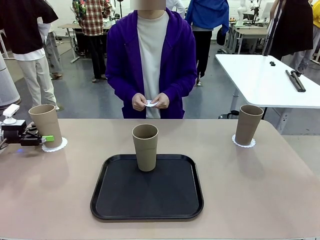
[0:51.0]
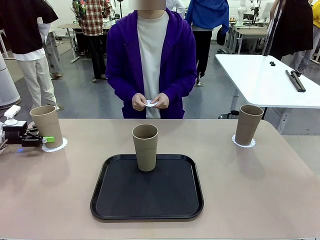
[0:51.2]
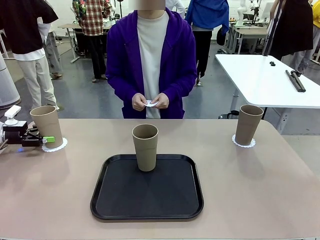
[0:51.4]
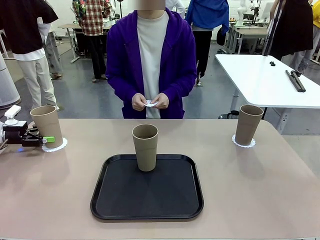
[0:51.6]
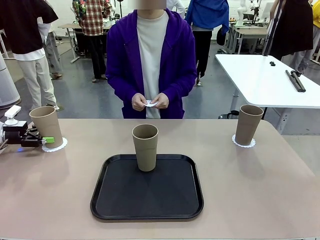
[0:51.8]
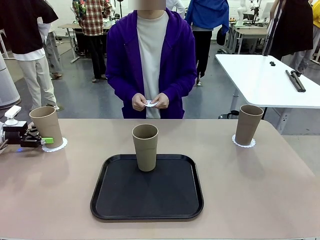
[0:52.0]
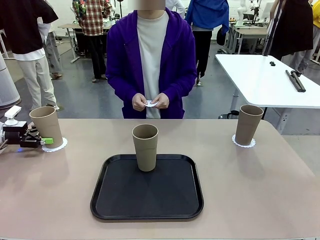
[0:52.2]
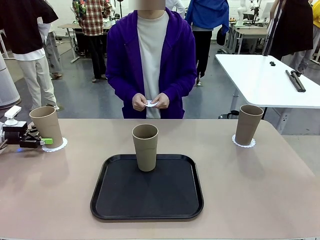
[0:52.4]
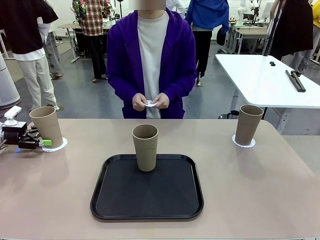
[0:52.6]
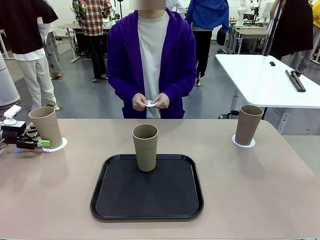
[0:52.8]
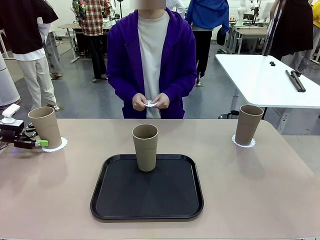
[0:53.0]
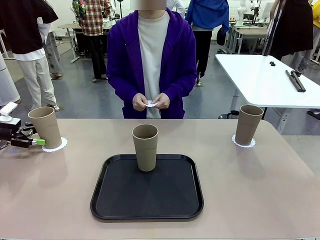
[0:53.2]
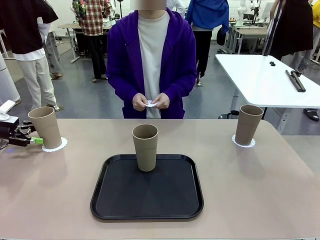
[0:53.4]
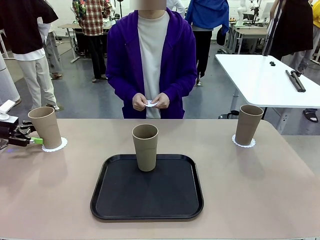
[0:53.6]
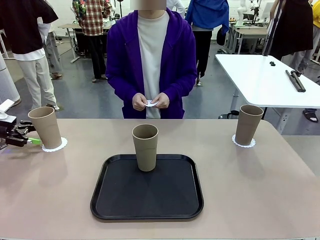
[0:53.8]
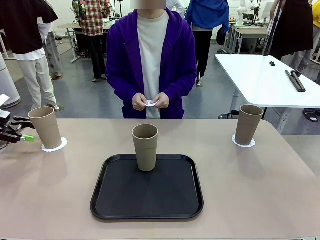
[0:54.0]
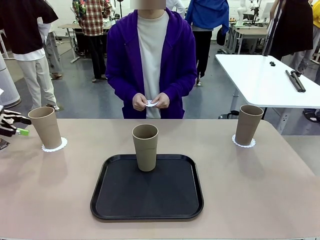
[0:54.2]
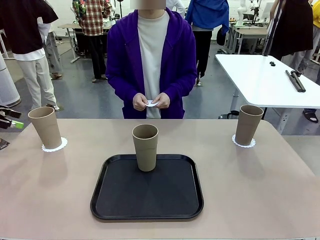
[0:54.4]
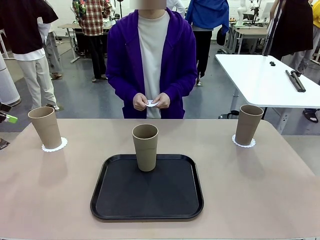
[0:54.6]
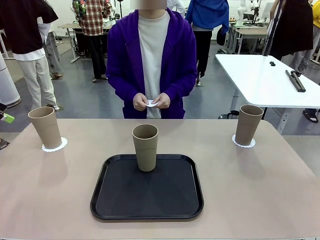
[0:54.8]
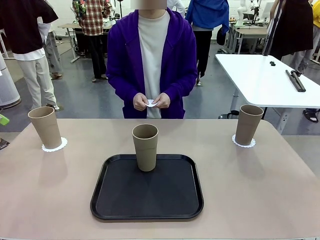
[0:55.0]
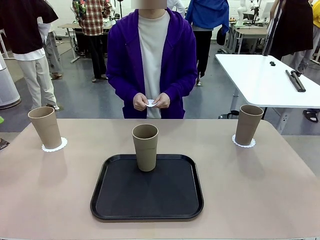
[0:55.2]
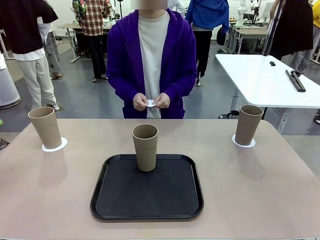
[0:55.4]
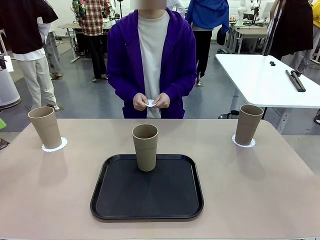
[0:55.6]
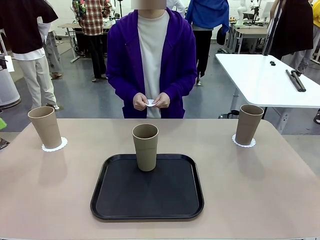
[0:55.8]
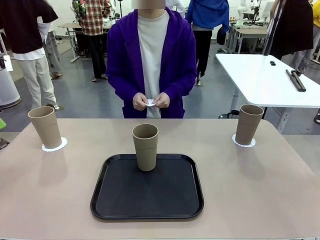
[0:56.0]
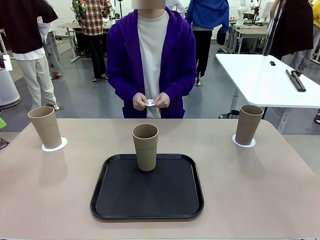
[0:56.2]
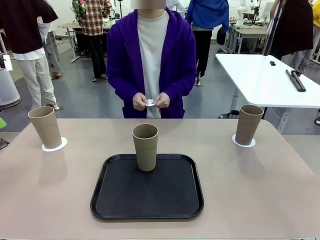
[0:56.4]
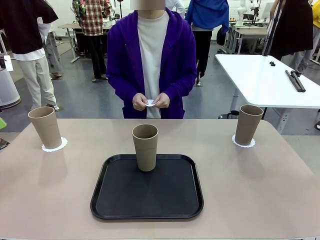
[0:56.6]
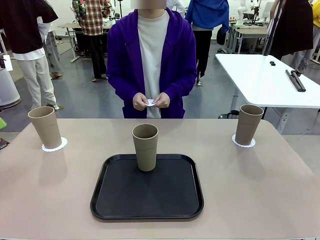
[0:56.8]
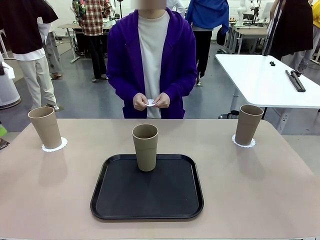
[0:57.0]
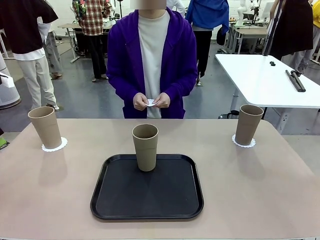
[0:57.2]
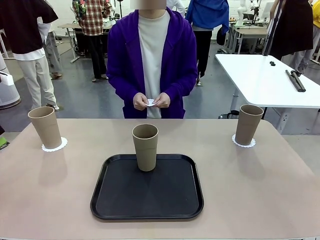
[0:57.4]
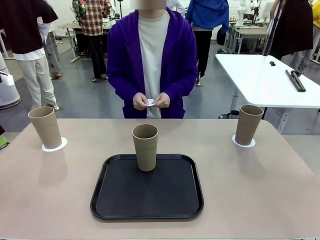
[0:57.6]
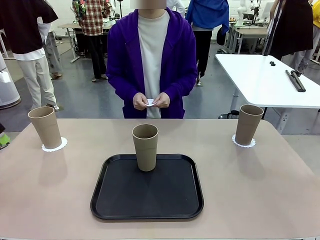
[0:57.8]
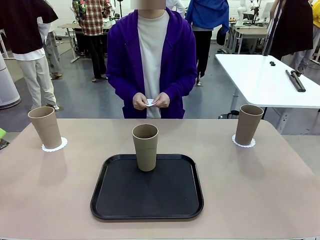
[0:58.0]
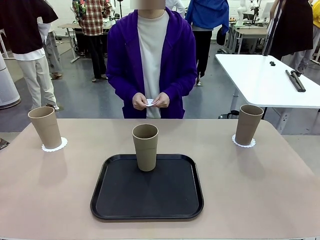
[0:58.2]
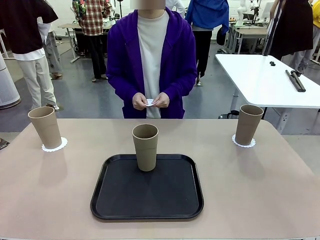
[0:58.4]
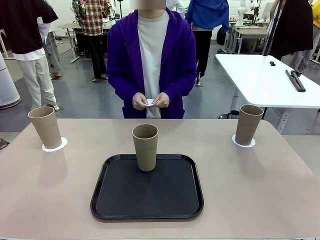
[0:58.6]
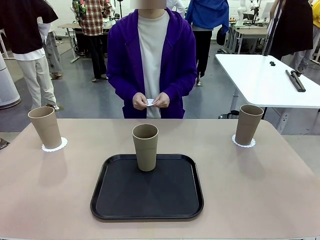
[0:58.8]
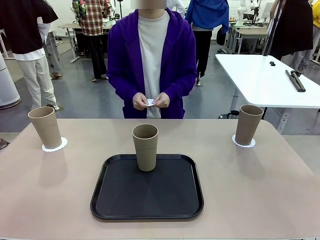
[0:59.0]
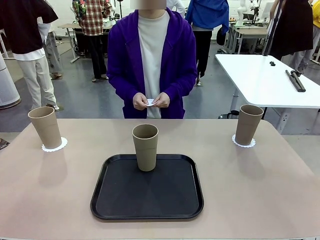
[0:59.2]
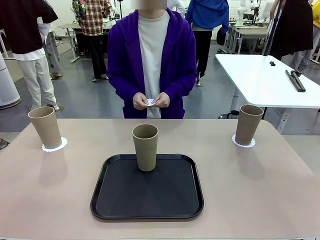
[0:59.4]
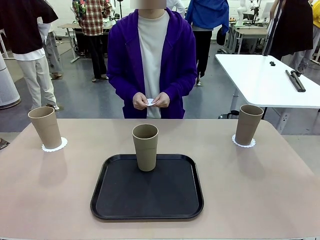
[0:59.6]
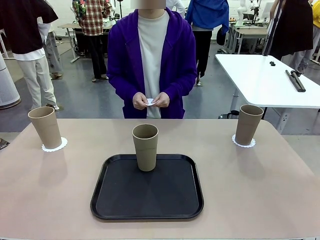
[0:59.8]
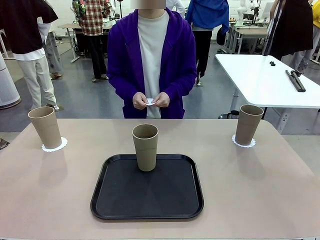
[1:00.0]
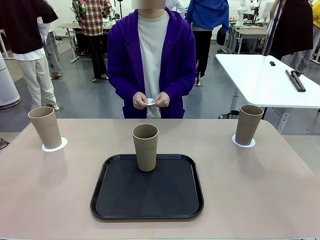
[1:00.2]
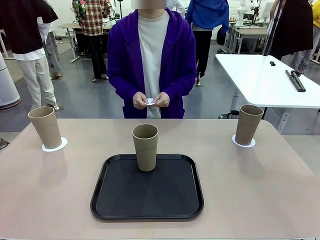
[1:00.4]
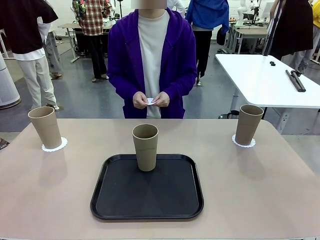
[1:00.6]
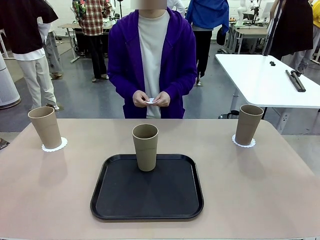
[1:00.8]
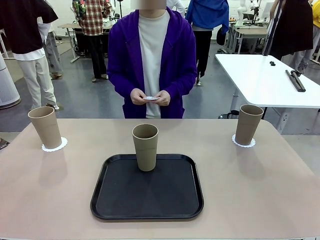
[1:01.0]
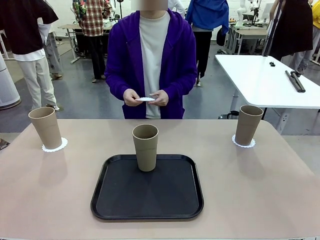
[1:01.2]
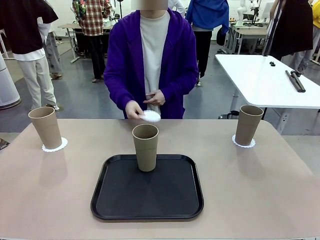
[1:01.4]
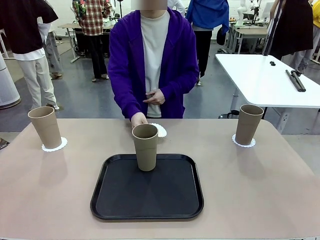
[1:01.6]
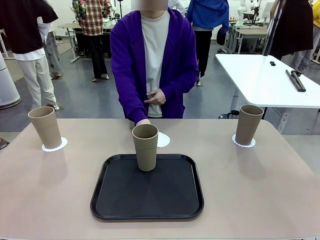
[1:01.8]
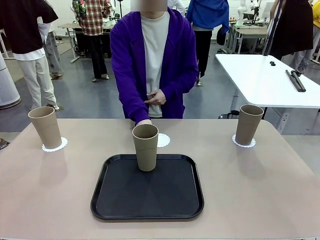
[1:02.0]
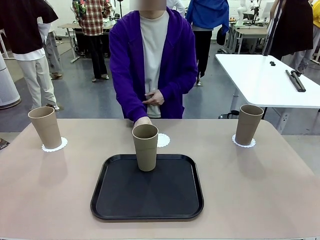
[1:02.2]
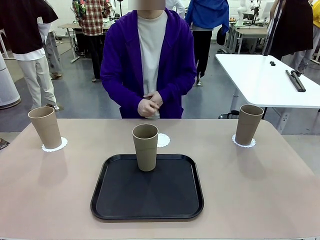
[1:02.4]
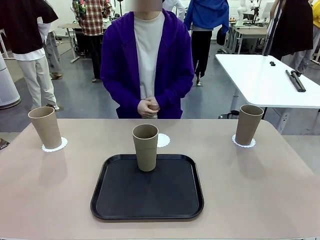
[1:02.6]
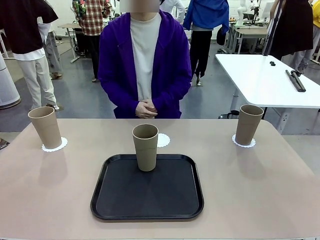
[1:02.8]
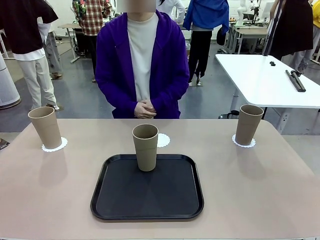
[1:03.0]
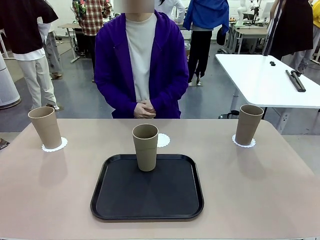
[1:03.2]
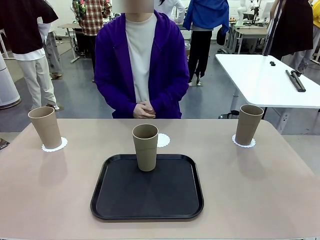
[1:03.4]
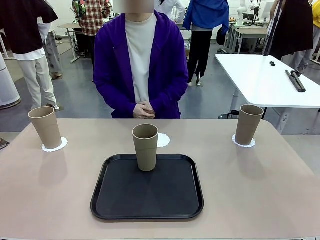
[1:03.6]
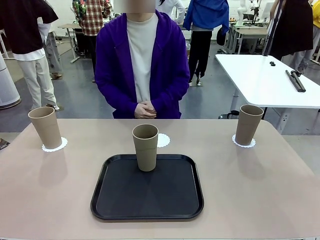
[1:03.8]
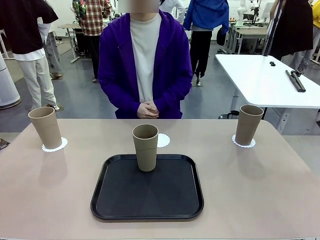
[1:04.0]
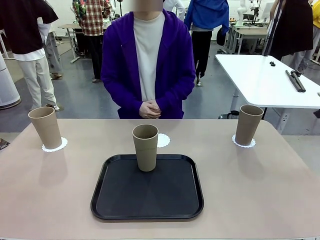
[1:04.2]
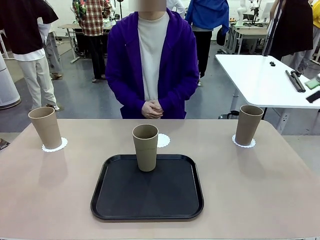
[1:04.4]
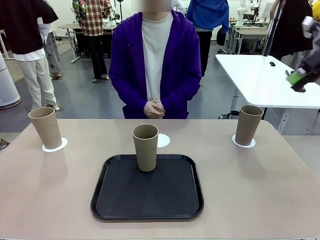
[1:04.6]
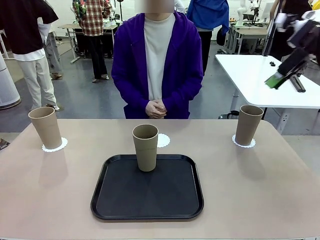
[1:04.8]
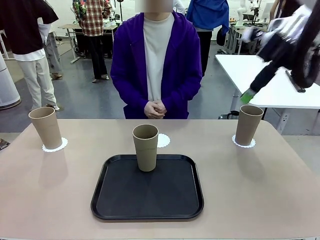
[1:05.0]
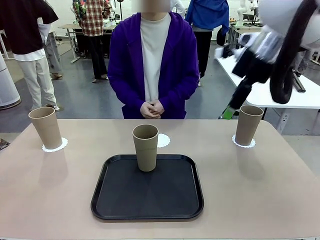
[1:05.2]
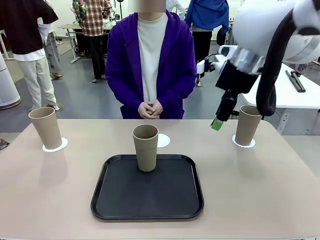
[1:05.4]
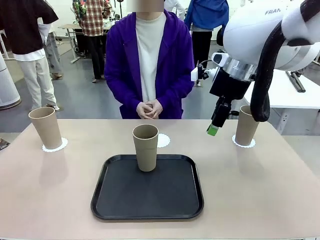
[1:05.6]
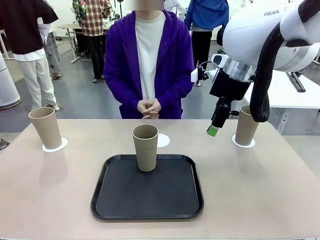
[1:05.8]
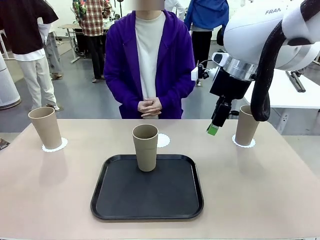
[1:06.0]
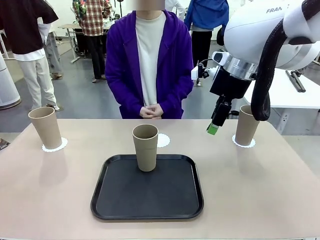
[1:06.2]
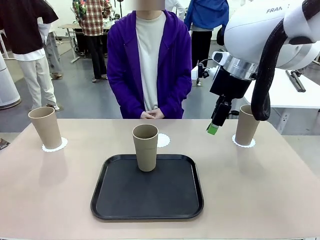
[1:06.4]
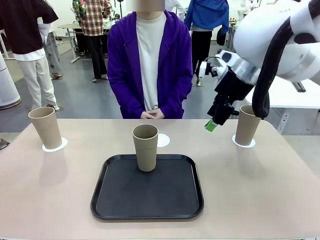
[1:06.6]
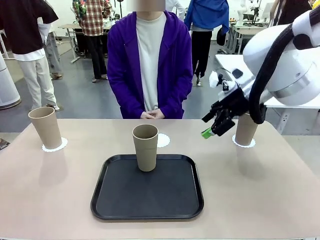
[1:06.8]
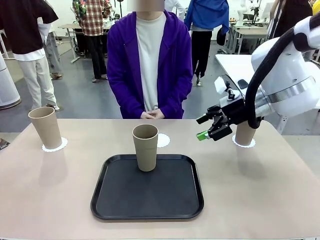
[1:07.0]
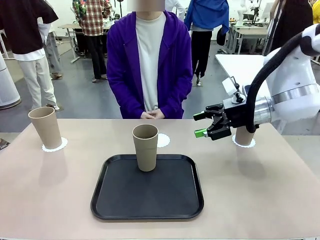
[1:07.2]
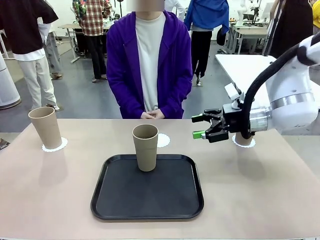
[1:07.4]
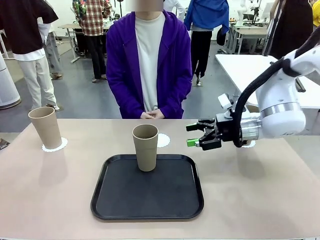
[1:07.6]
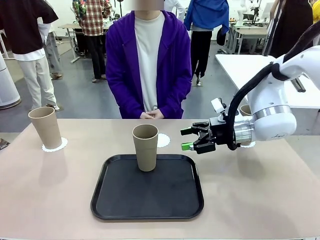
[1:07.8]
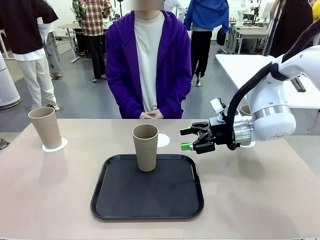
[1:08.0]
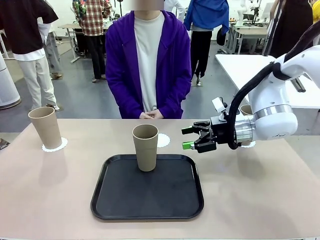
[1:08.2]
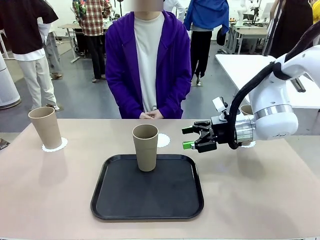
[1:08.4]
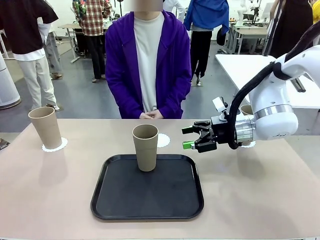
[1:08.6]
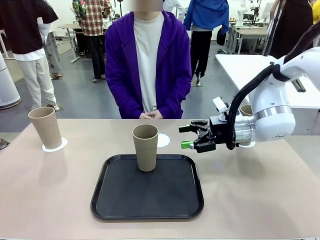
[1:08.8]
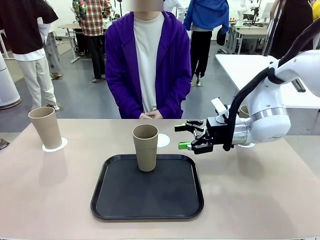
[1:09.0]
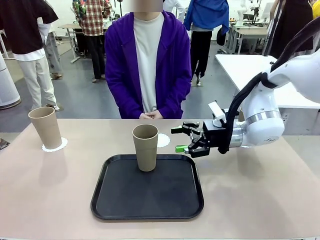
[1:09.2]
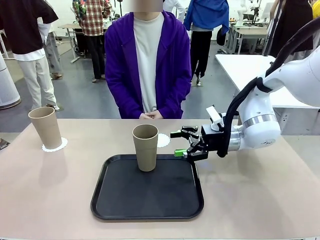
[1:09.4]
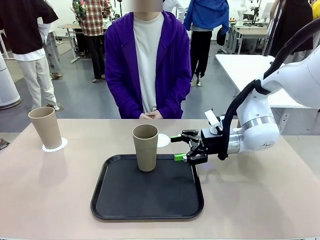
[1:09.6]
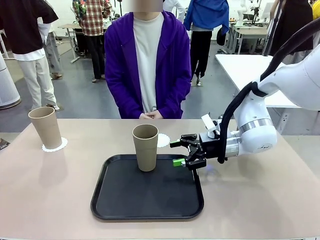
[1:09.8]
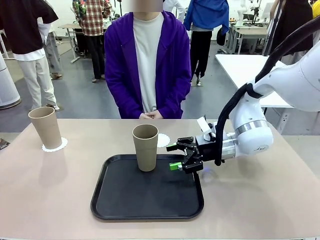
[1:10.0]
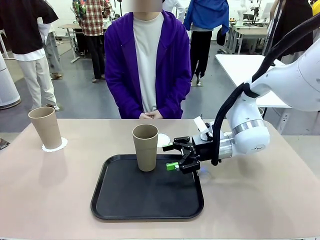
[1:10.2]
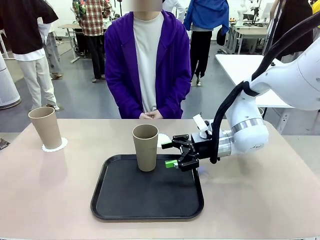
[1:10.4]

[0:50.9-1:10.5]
Task: Place coasters on the table and set cups on them.
Robot: Take one Reusable plastic cup from the Flat Tray and place it on a coaster set by the human.
